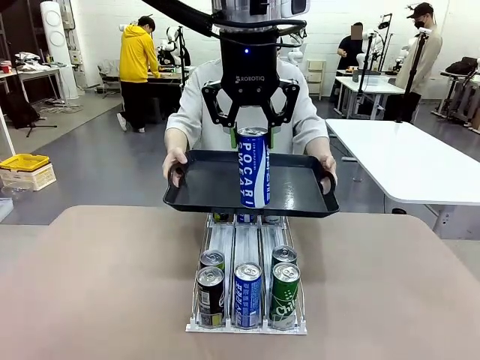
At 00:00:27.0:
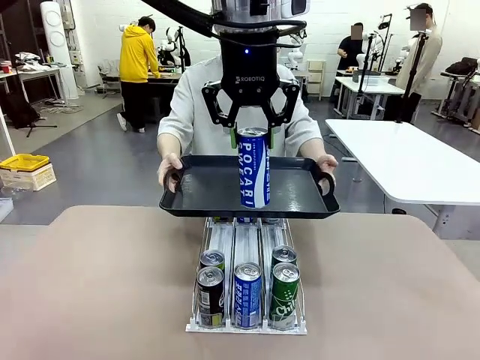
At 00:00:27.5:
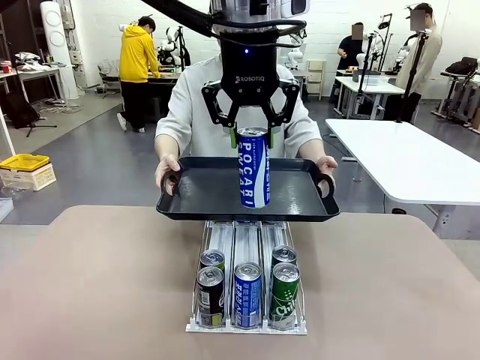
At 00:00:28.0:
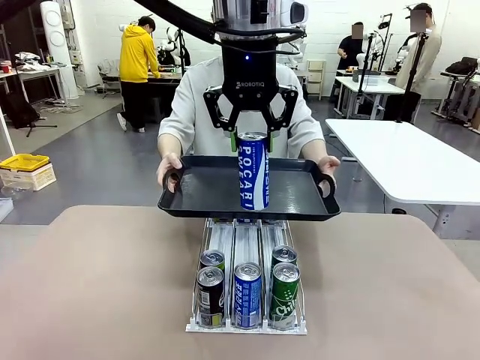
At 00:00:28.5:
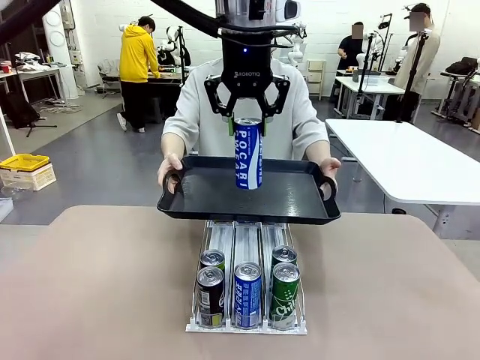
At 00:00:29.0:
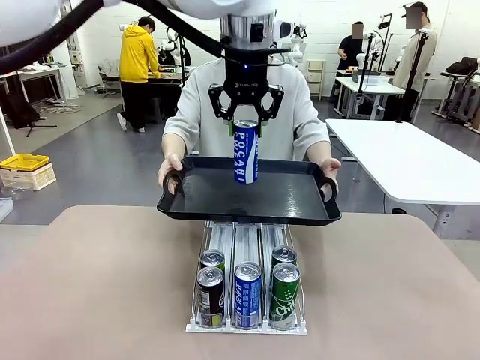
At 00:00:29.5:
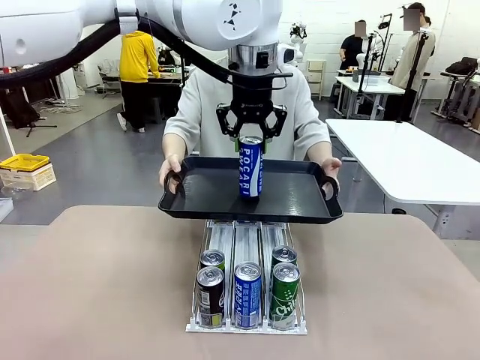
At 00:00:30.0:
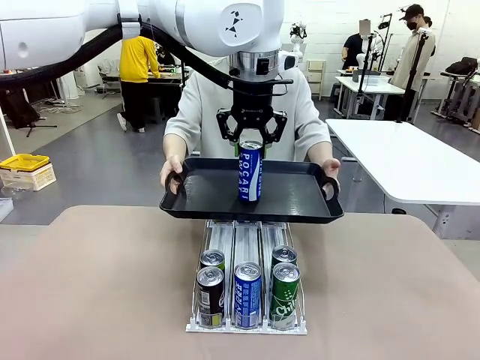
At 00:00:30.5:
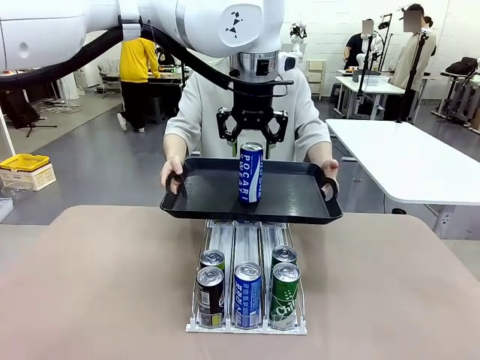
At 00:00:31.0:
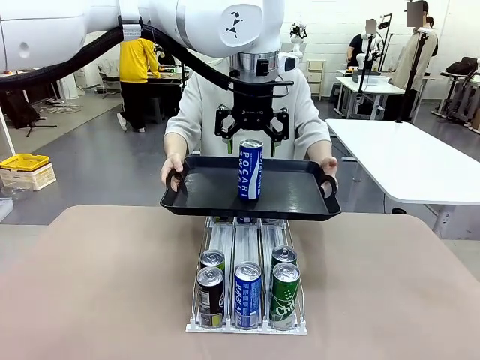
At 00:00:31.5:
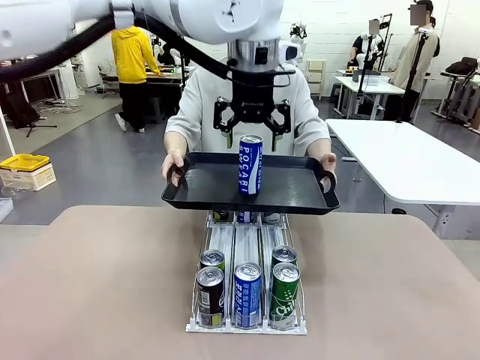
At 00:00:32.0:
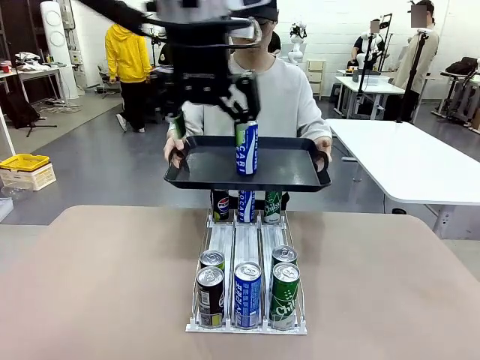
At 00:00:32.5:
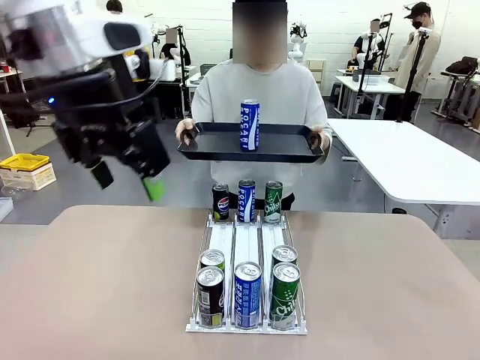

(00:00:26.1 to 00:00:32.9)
Task: Retrieve and hand over the desired beverage to the person.
Robot: Place the picked can on the Handle tray extended by the person.

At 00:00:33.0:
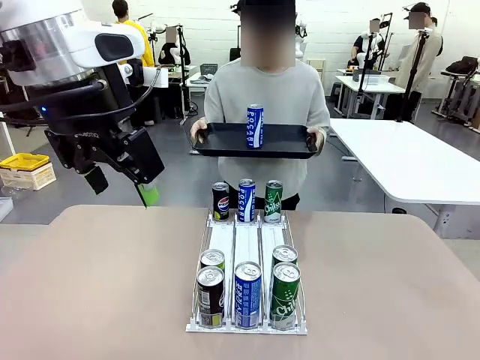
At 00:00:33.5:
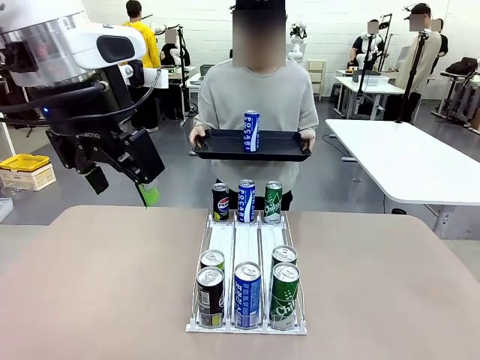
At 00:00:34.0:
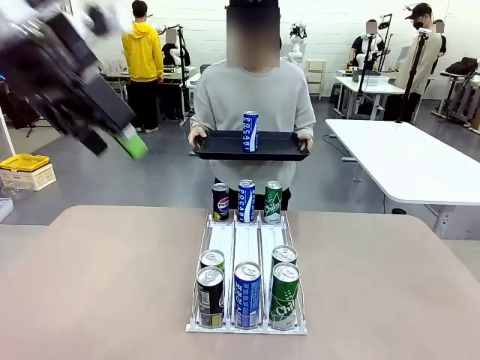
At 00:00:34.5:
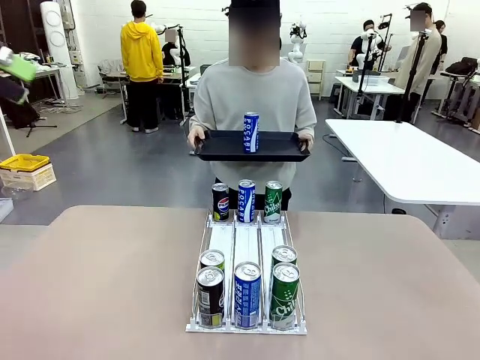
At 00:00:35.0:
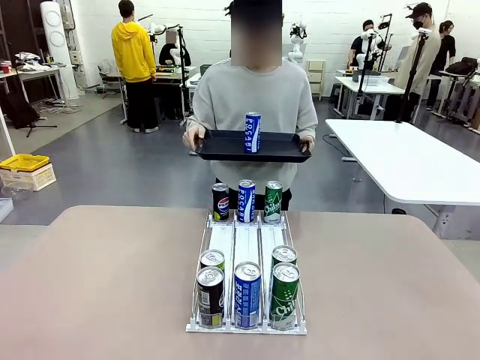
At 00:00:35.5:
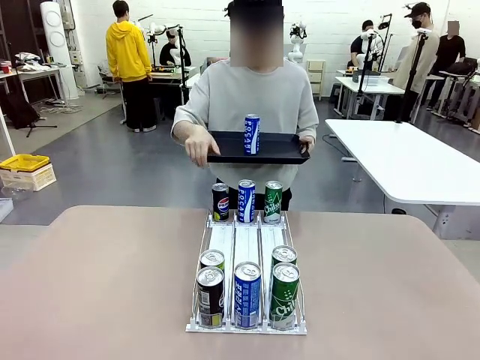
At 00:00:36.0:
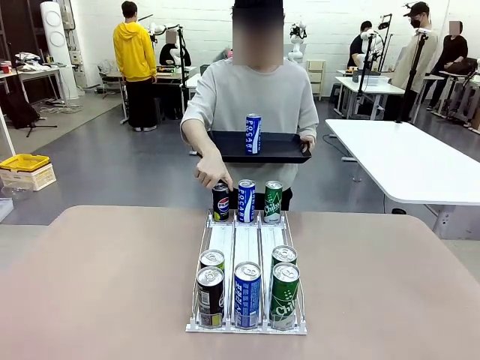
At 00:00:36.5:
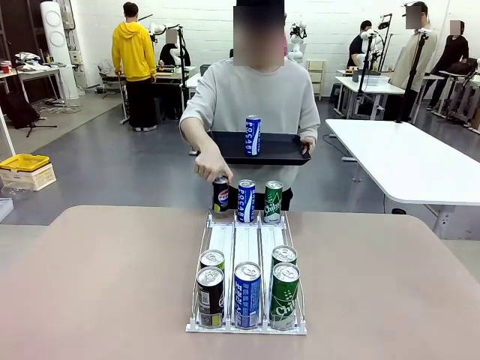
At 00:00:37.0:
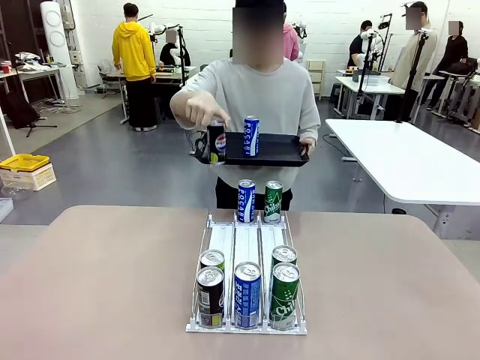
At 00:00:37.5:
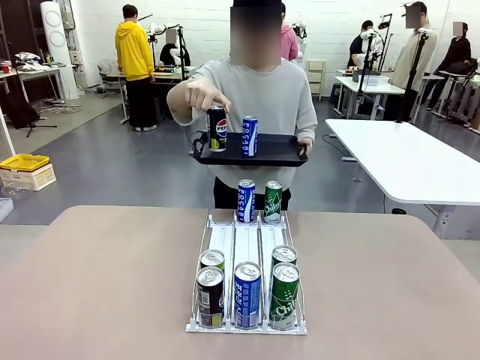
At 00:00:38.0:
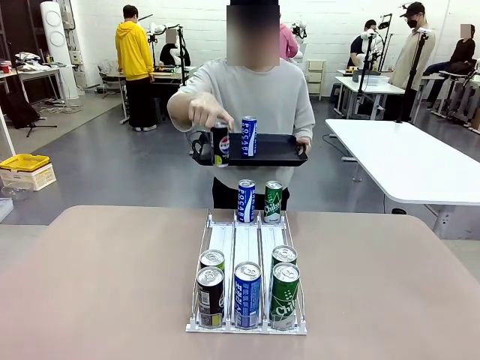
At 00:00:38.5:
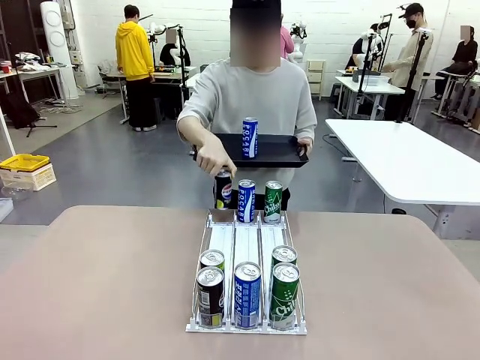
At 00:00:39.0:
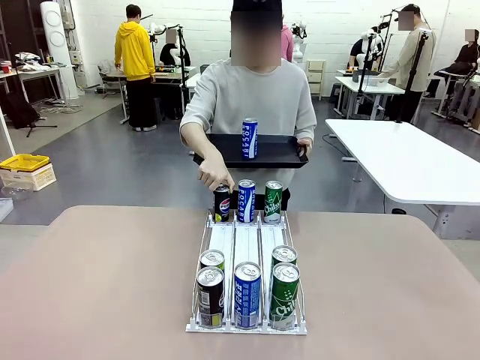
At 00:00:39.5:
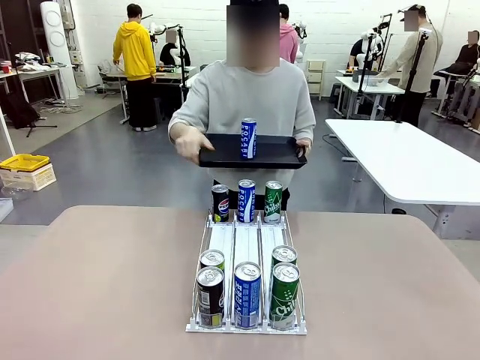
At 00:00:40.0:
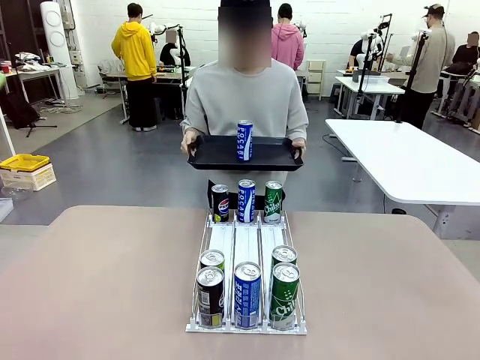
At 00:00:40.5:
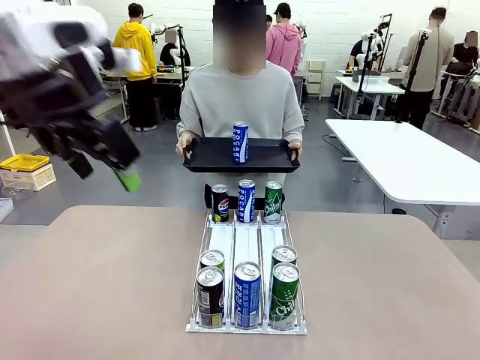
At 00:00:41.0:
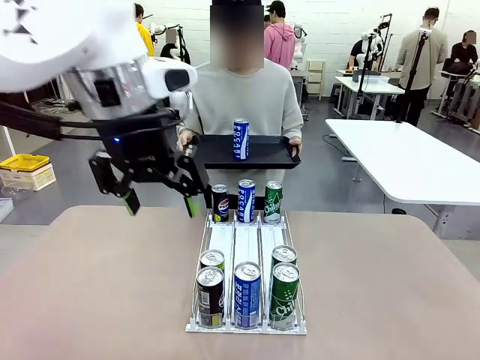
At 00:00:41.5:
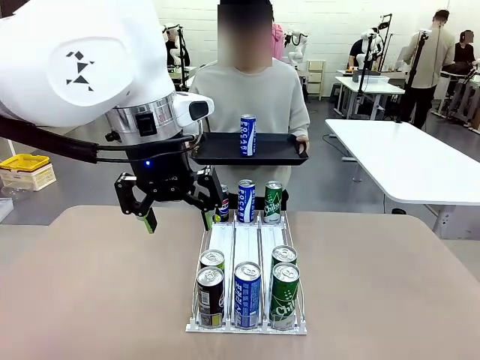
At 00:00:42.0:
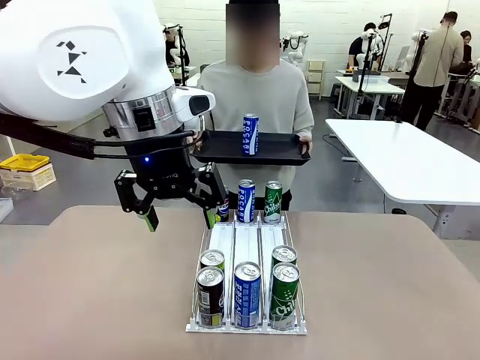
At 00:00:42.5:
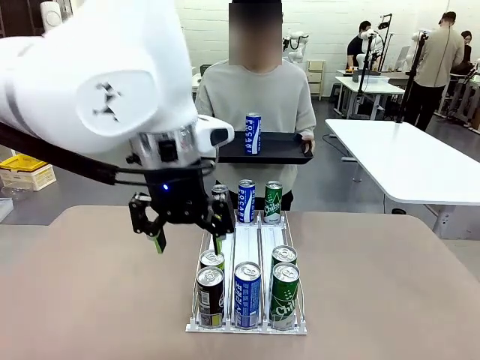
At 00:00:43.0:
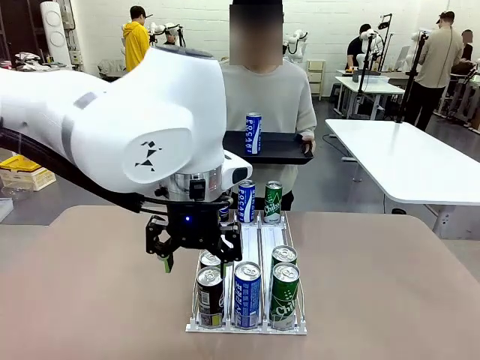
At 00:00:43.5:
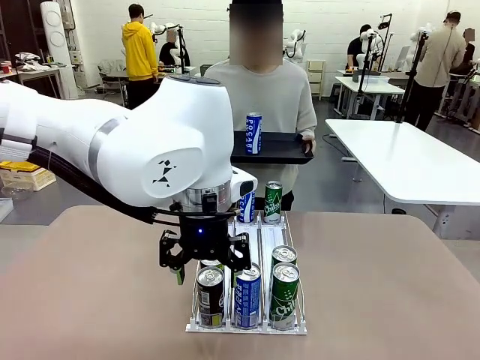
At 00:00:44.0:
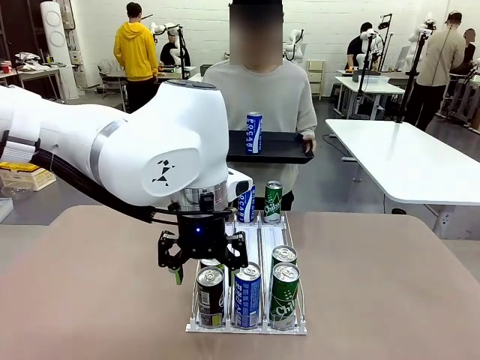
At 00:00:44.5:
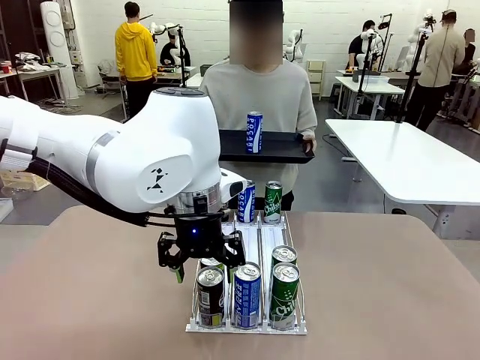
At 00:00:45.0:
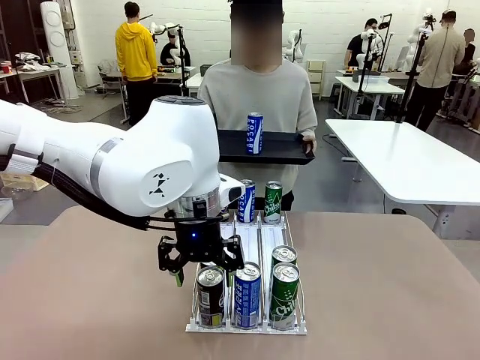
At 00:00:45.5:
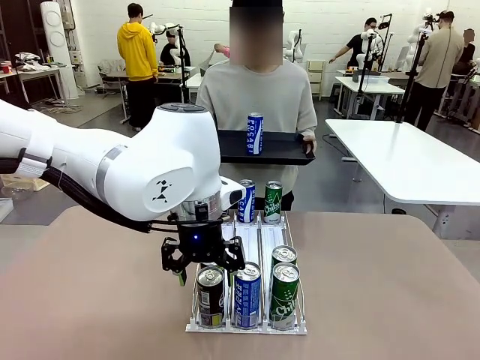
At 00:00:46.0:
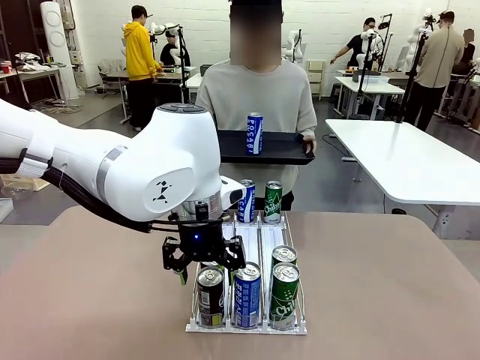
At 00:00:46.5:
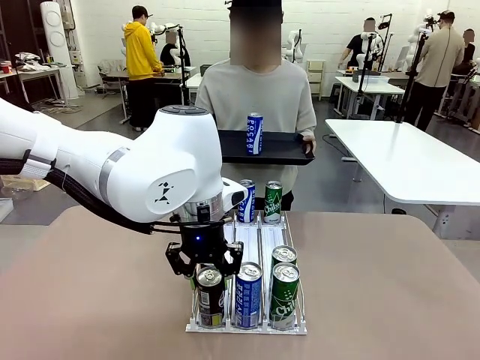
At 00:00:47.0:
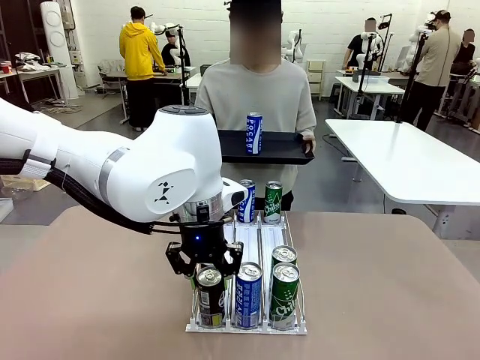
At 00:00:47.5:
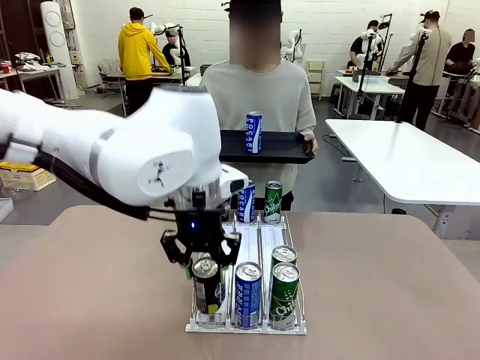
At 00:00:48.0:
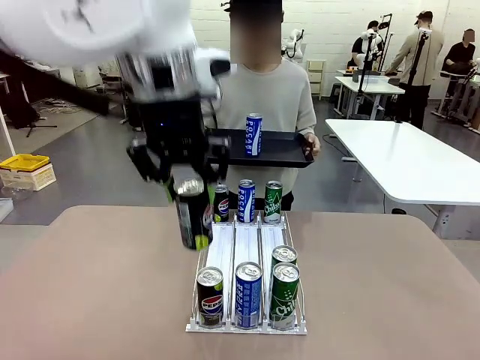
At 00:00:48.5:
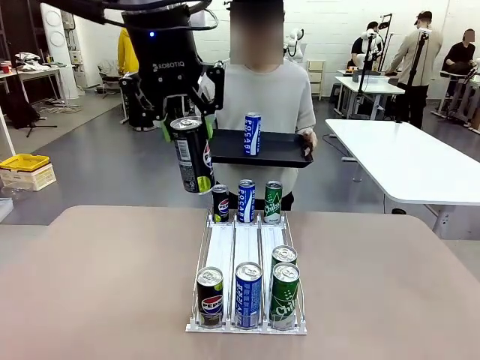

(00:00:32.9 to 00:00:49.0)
Robot: Pick up another can of the same type that the person held from the Automatic Can Dispenser.
Person: Pull the tray back, then pick up another can from the bottom area of the table and puts it back in its original place. Push the tray toward the robot again.
